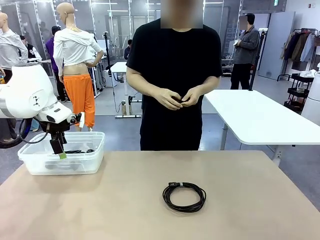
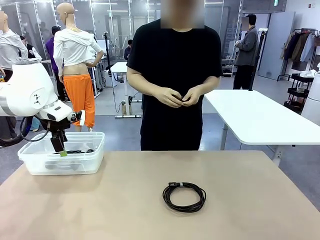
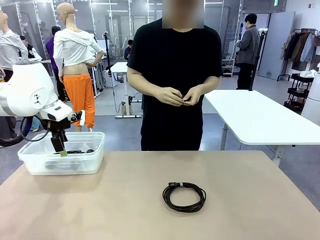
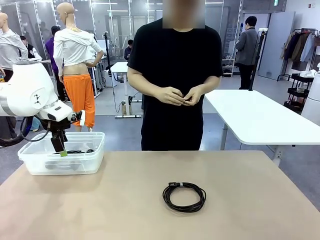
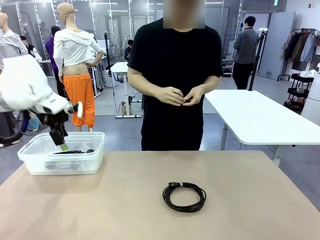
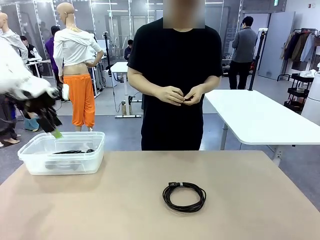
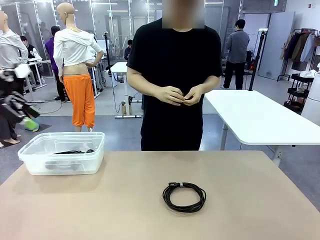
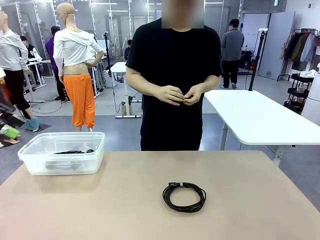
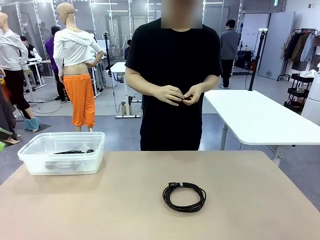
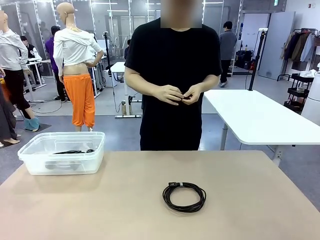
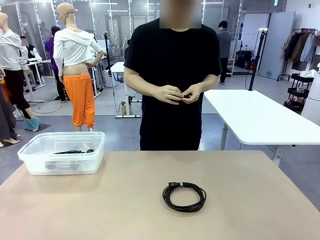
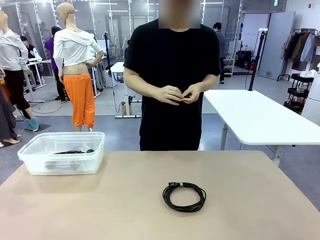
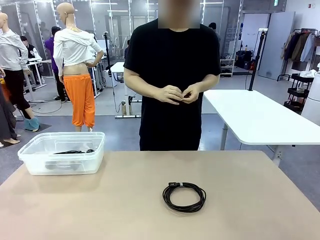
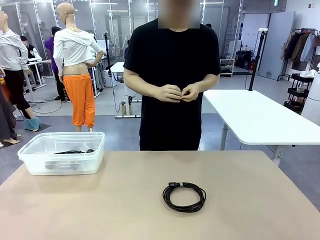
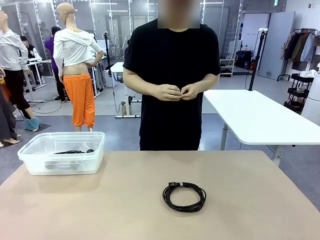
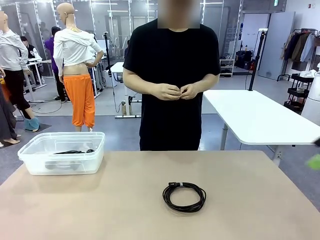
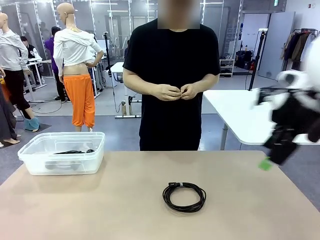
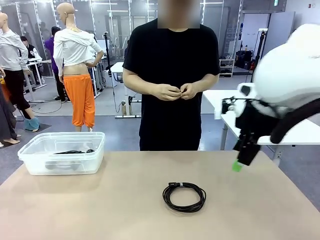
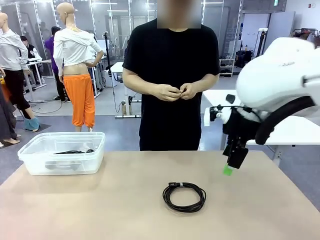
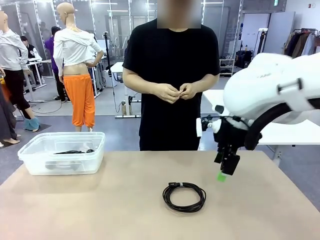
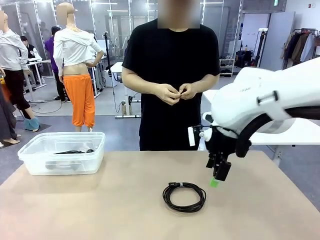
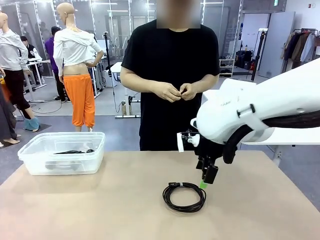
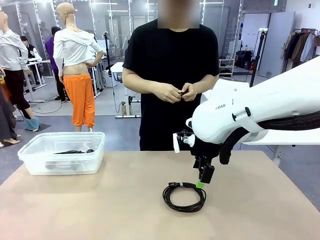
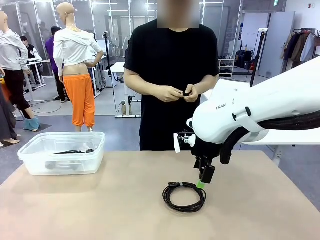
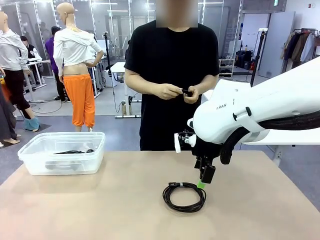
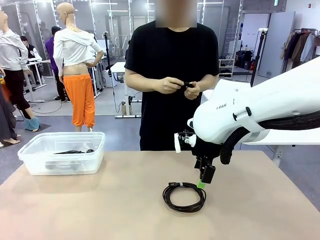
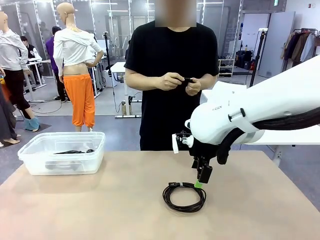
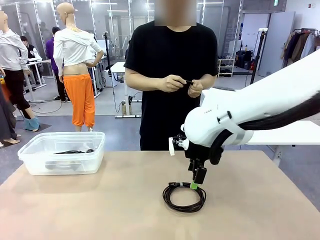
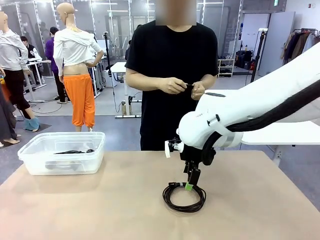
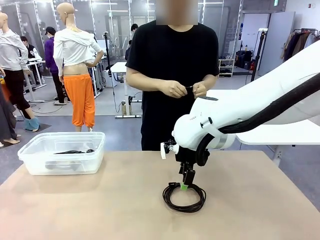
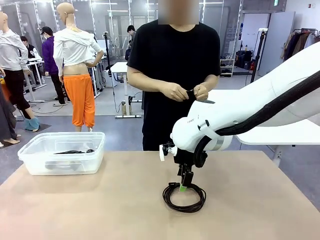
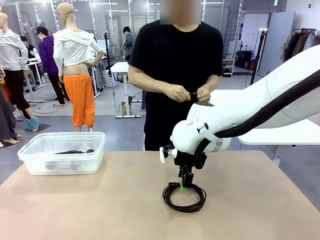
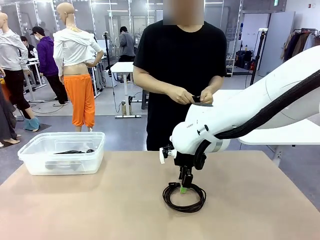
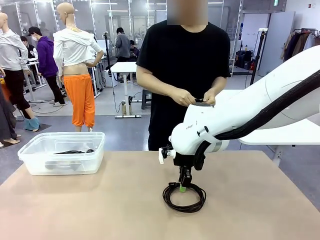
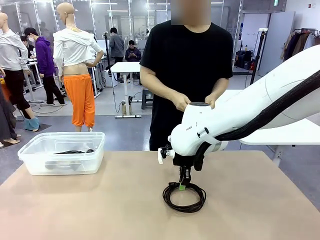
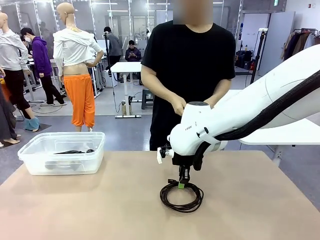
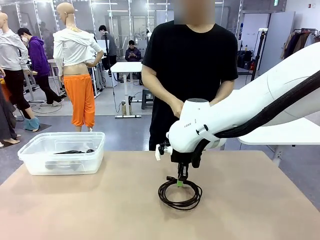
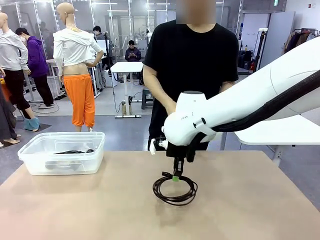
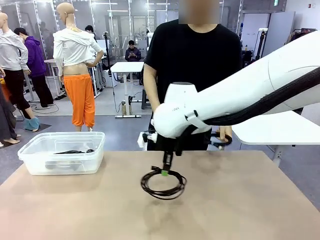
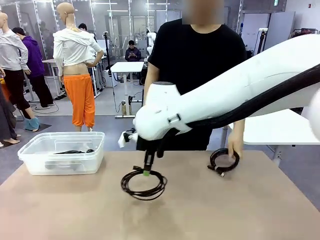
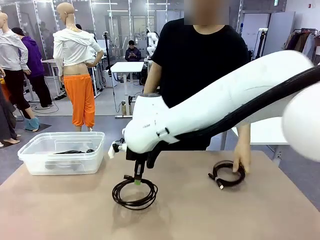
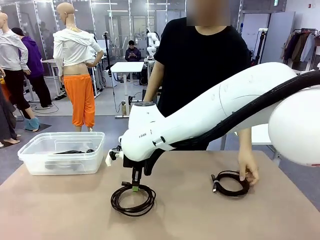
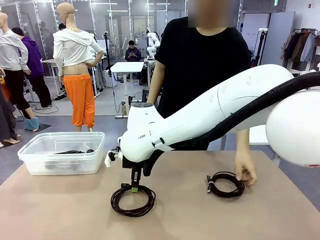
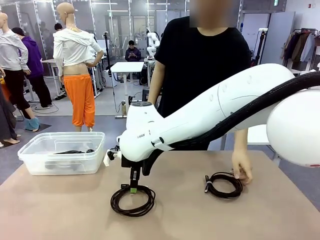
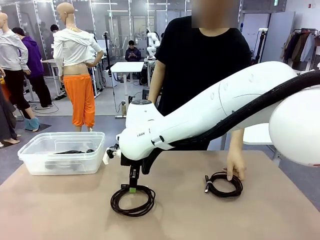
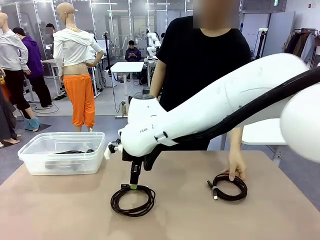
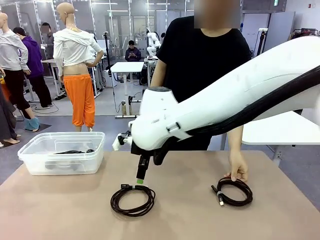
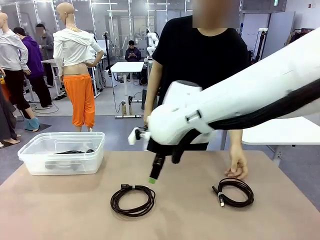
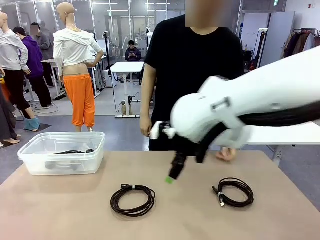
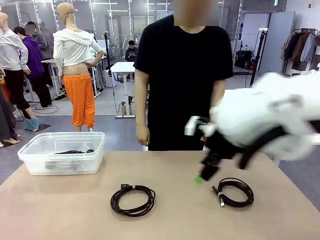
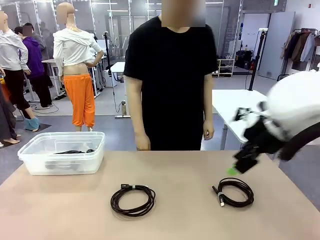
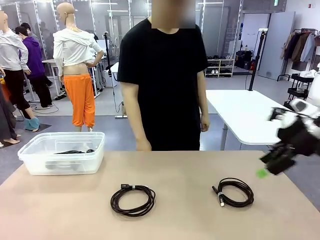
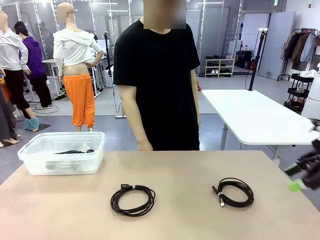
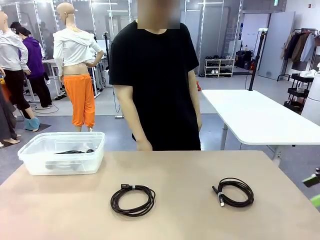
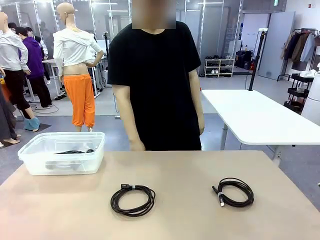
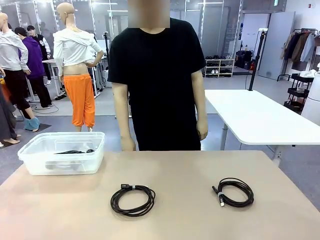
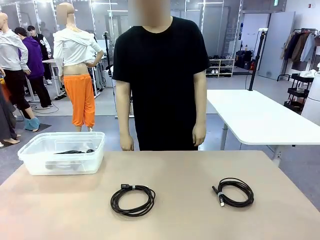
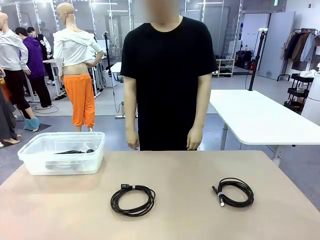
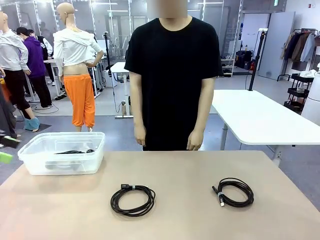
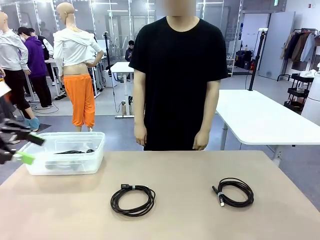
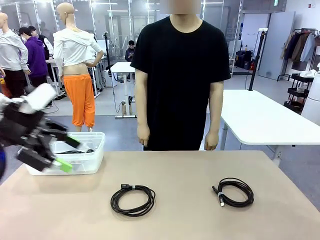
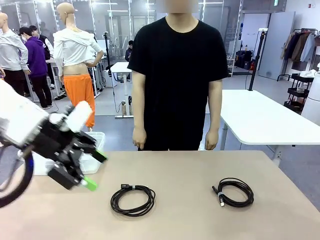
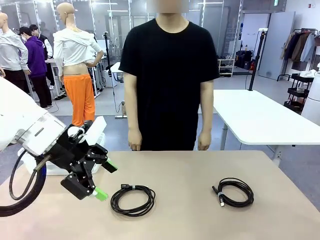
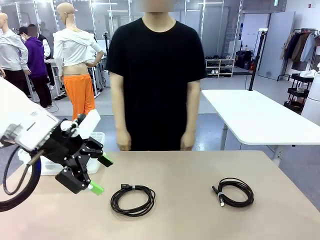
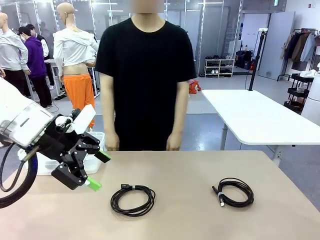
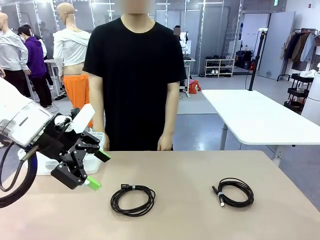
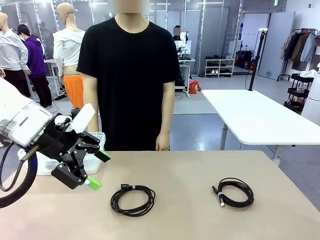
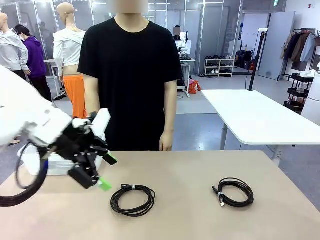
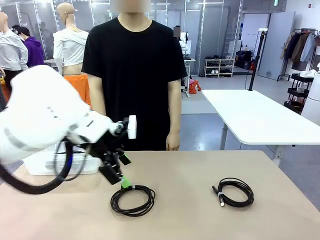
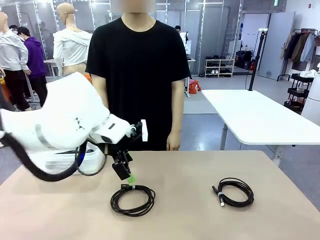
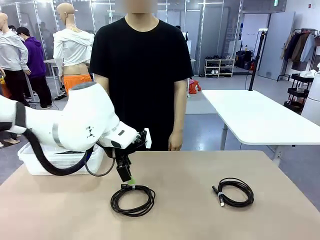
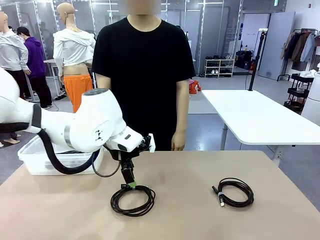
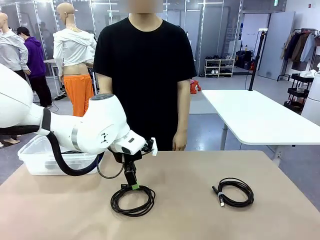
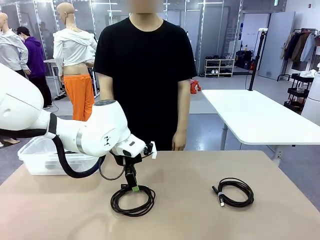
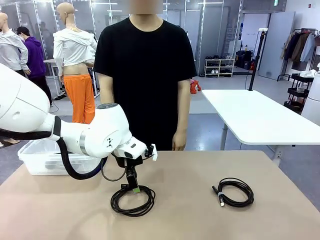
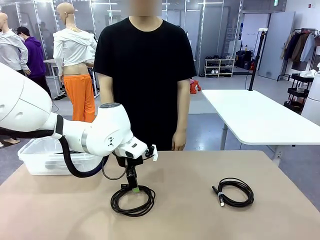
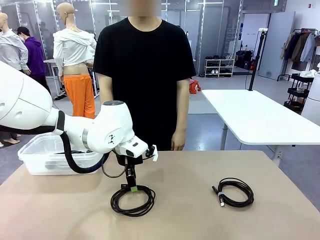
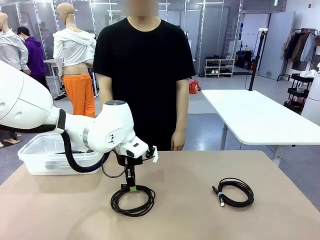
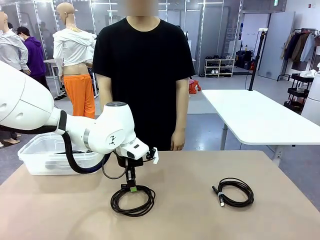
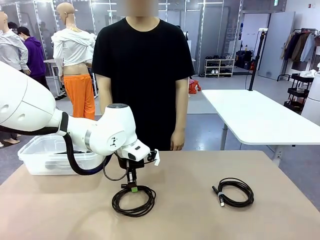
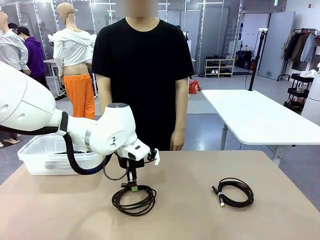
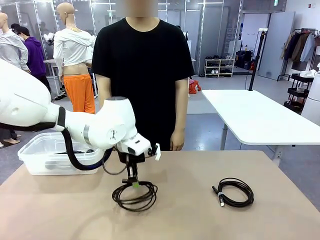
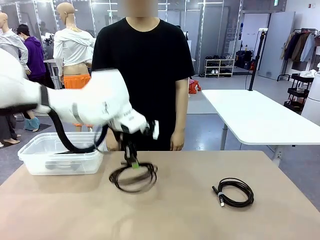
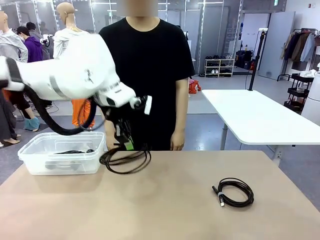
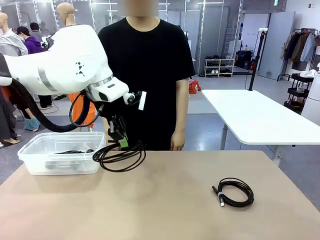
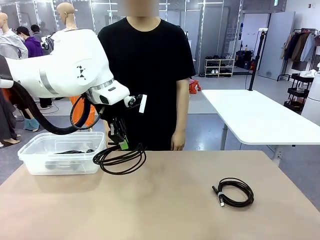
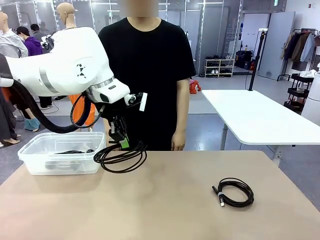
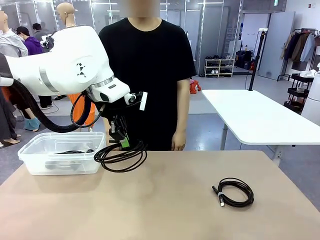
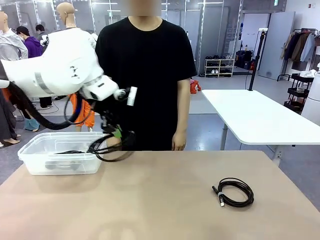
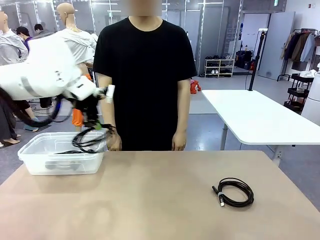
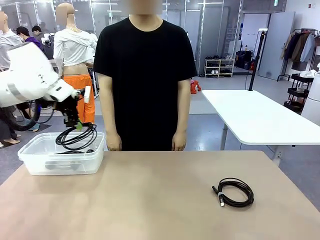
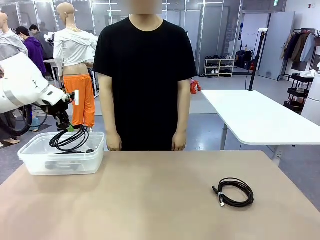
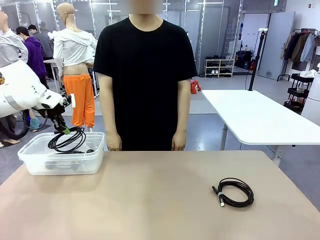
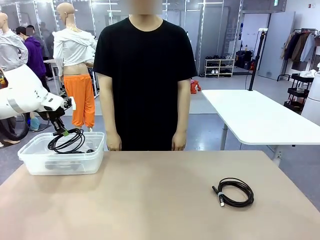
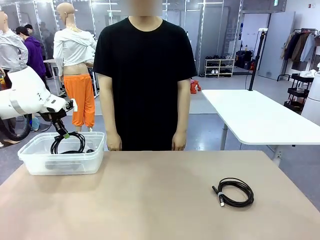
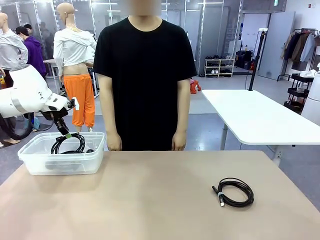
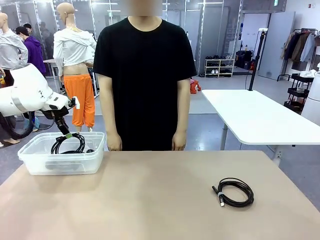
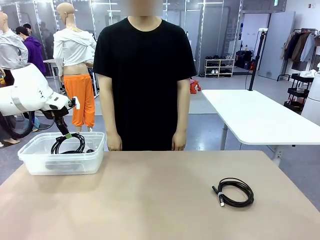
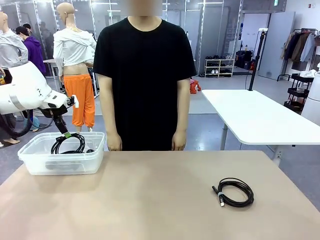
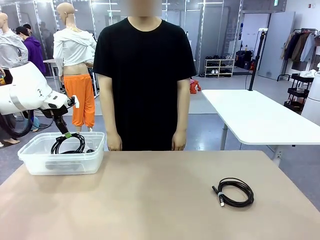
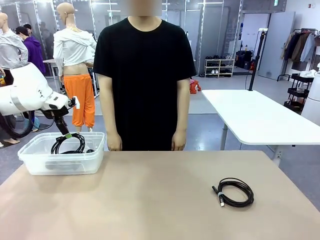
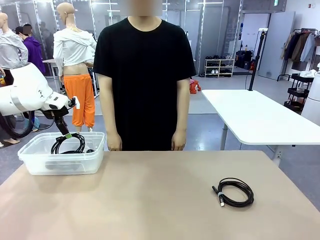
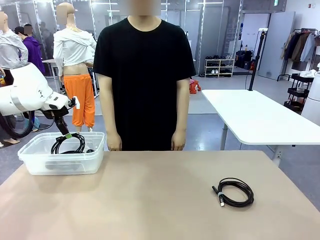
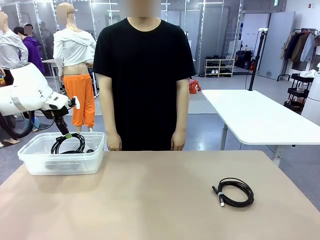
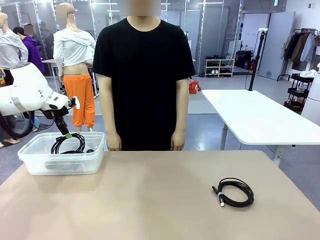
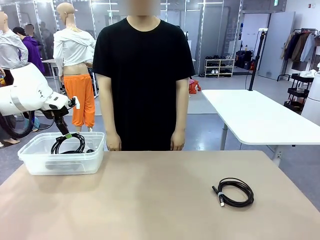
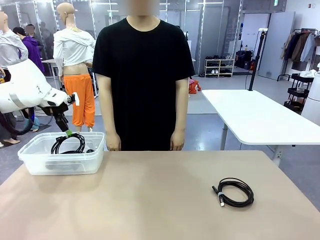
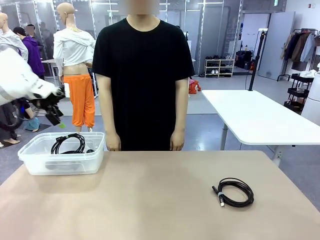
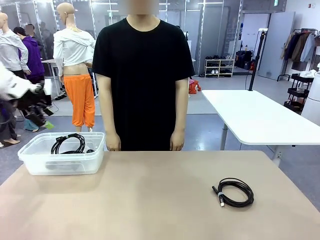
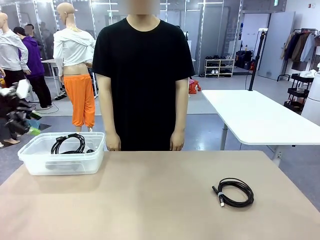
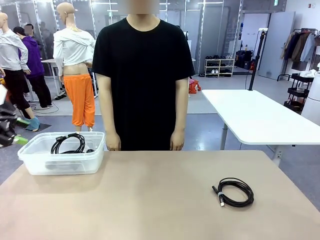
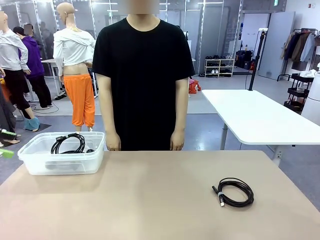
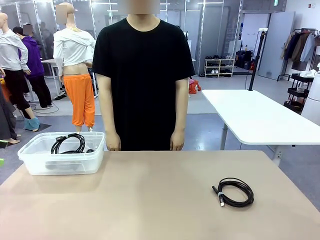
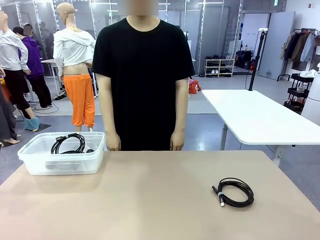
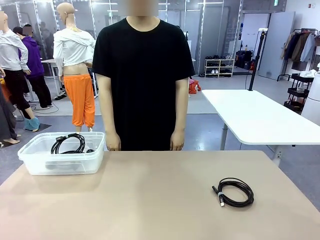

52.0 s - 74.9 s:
Task: Organize and store the cables.
Robot: Place the USB Extension Cable into the Organizing box.
